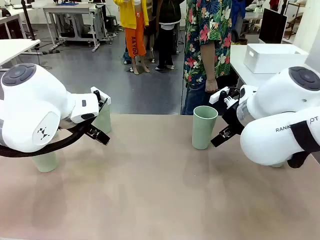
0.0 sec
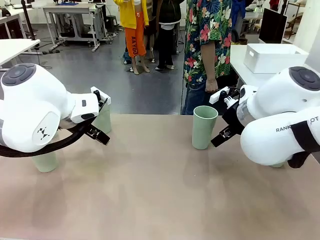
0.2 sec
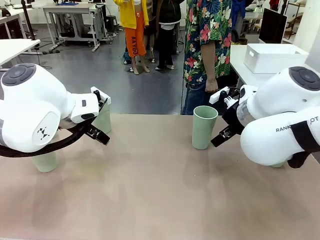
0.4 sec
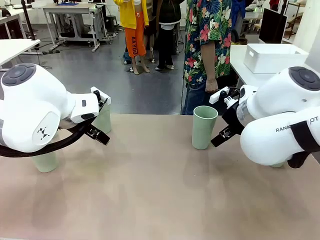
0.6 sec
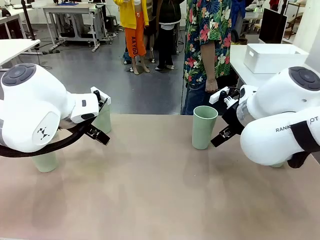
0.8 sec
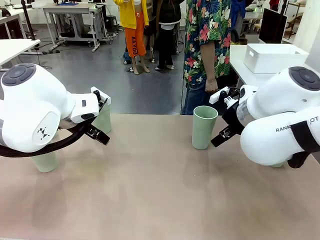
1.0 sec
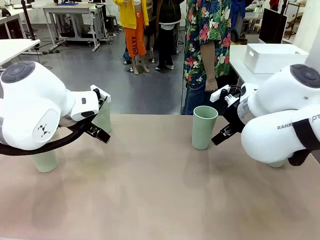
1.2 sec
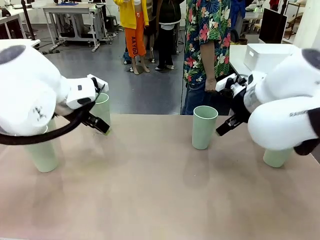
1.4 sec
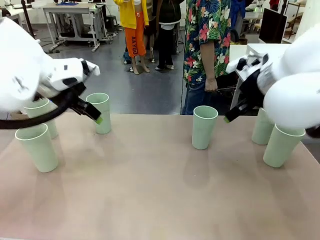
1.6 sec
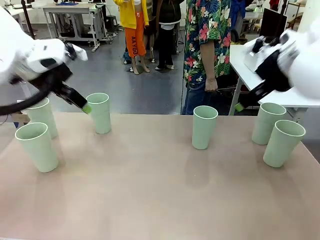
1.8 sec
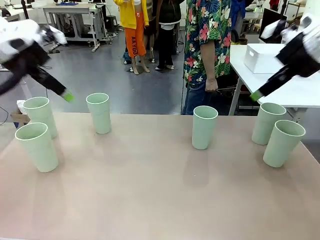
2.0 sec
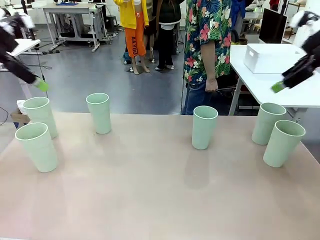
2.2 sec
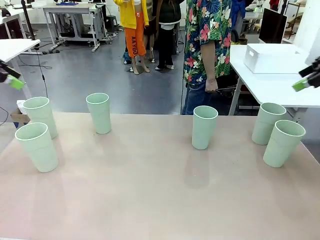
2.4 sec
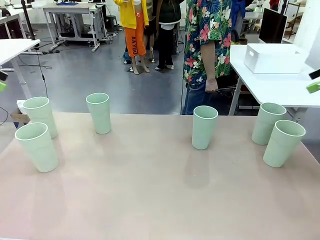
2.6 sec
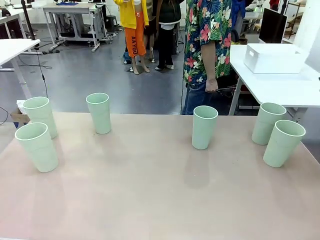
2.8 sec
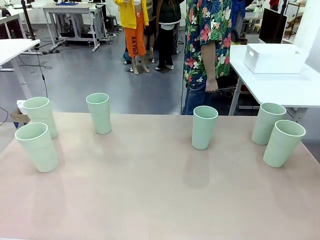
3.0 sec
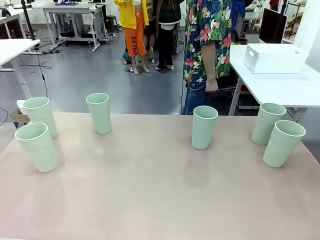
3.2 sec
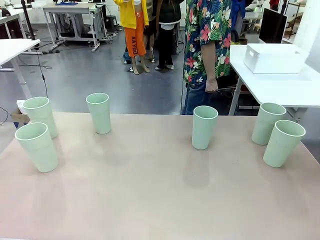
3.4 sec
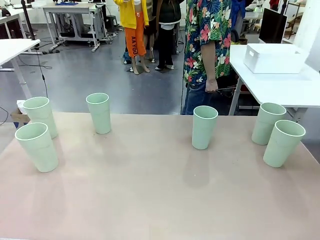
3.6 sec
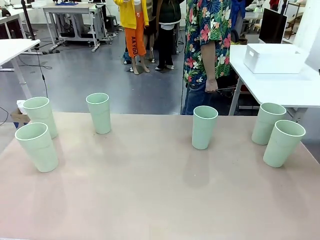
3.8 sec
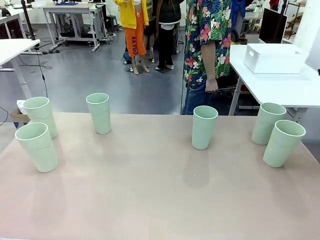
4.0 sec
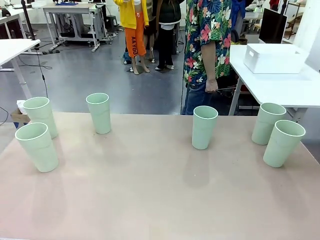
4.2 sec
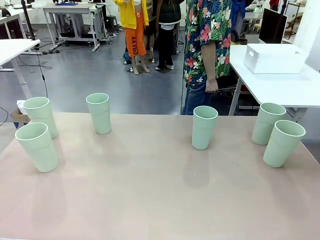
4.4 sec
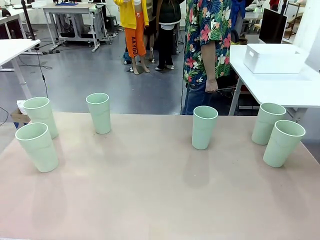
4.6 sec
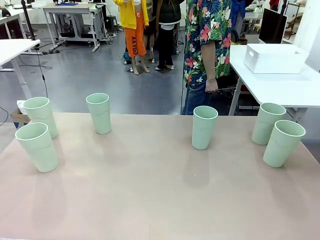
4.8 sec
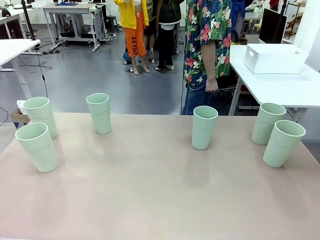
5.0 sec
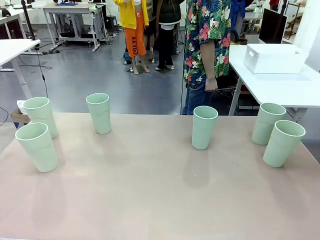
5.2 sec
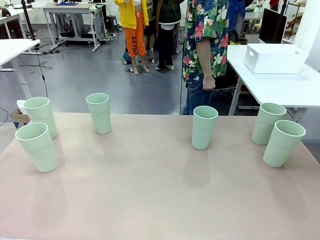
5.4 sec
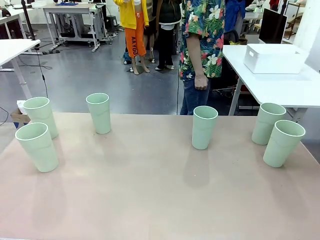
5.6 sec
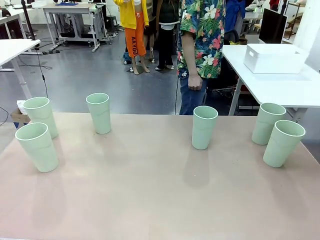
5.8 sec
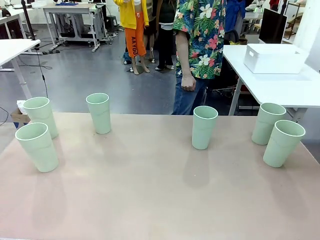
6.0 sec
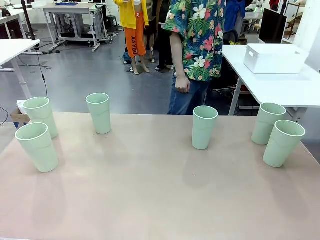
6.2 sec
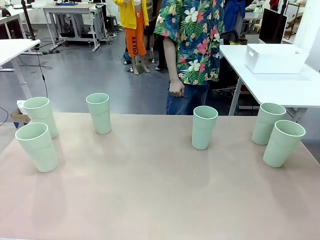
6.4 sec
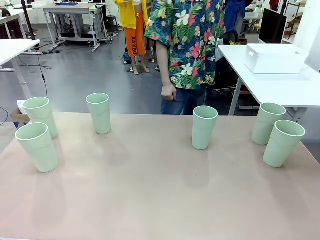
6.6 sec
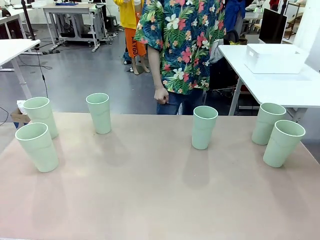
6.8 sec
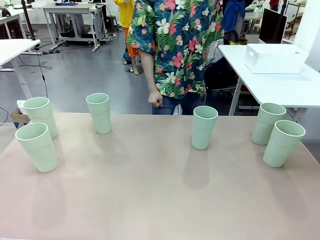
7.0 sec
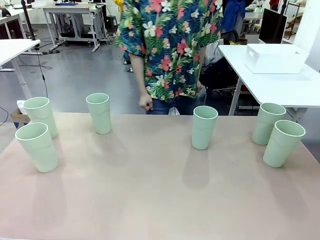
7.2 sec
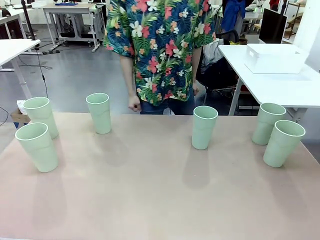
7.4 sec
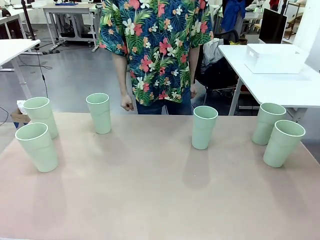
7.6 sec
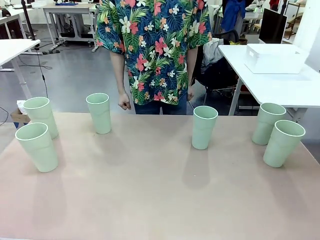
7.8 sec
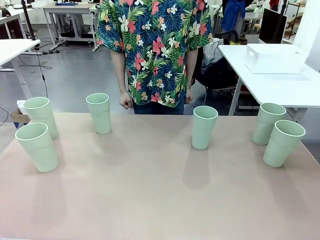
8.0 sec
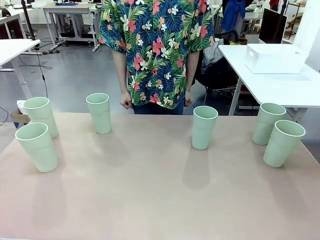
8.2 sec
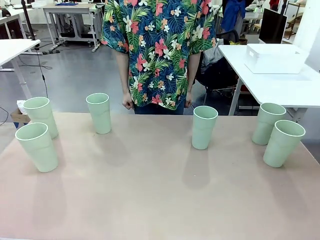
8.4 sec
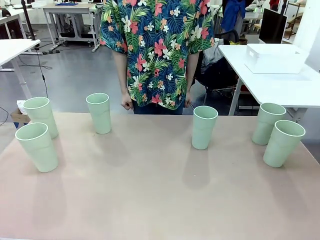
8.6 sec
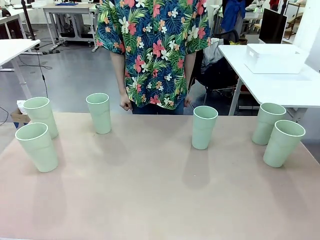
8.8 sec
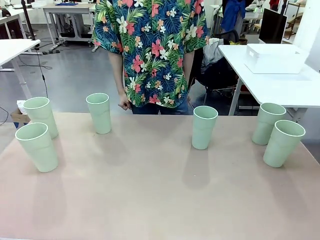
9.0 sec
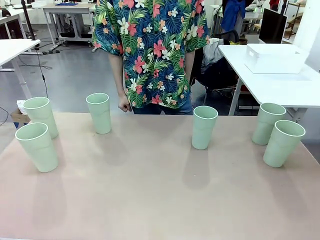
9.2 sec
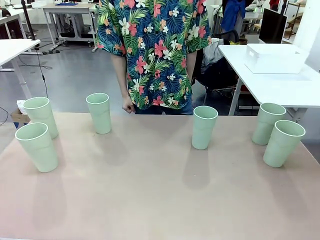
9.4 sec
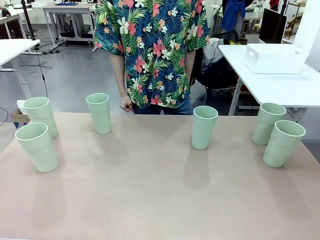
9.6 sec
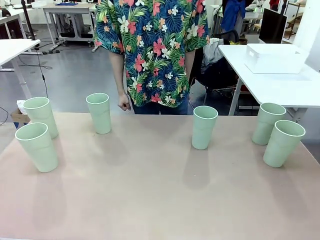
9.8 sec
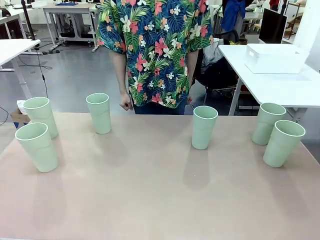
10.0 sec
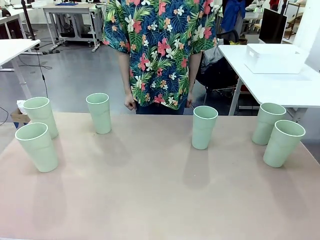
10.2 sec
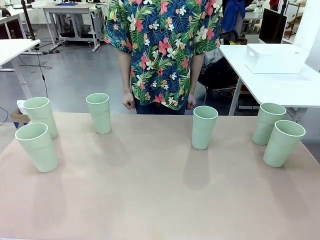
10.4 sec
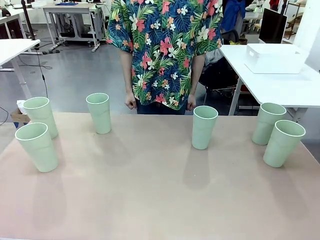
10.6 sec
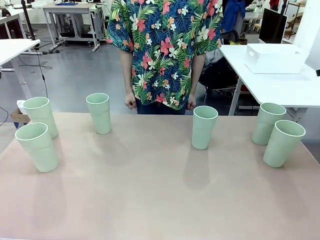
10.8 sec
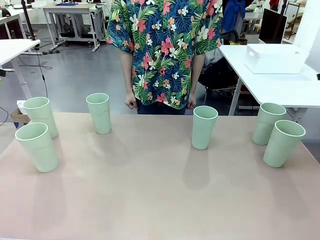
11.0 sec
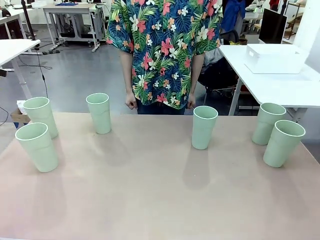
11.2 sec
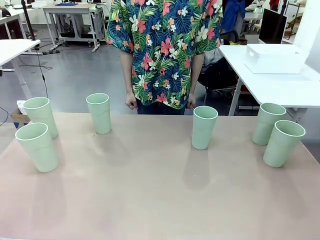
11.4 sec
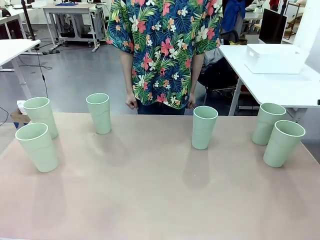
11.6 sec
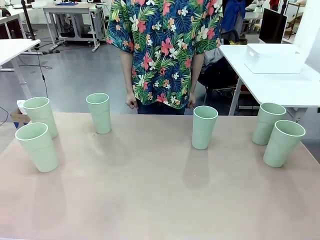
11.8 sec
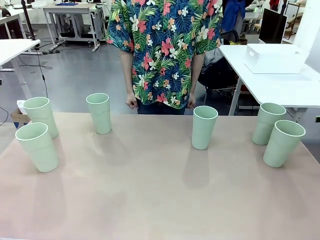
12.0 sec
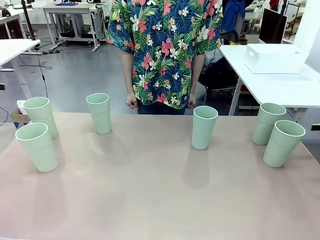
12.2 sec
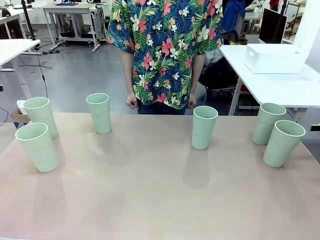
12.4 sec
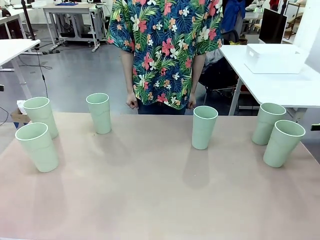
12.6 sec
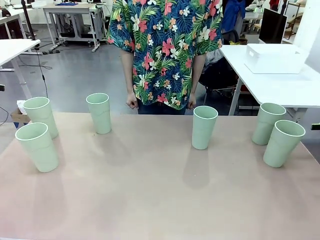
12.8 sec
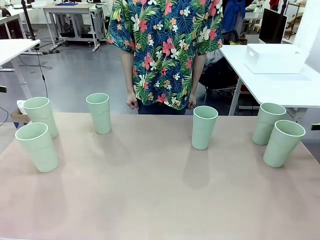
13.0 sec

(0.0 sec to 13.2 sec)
Task: Stack the cups and store them in the basket.
Robot: Pick up two Reusable plastic cups , one in each hand.
Person: Move from the Human Table to the front of the Robot Table.
